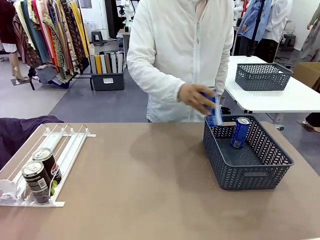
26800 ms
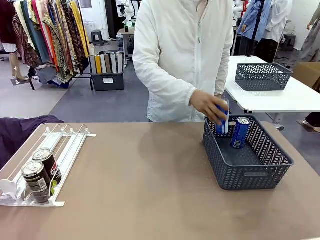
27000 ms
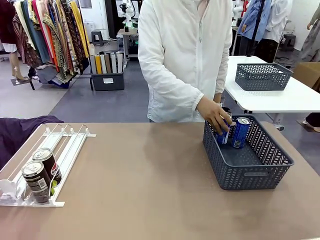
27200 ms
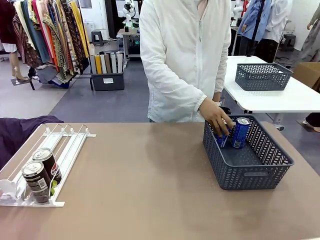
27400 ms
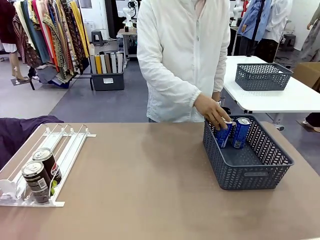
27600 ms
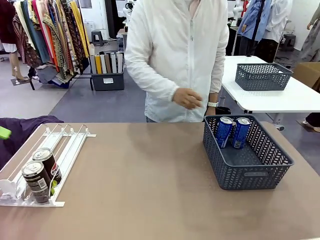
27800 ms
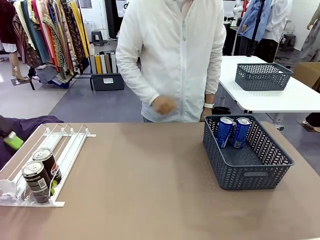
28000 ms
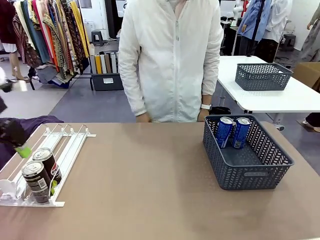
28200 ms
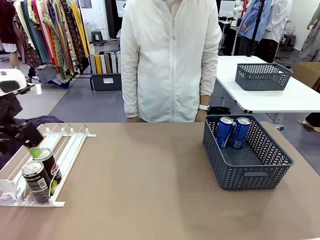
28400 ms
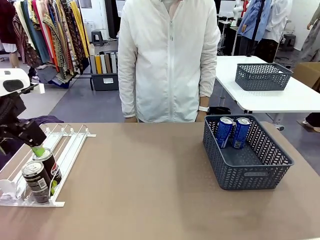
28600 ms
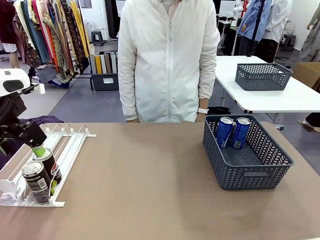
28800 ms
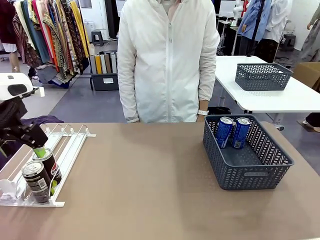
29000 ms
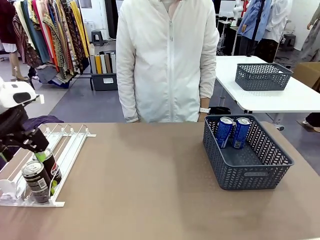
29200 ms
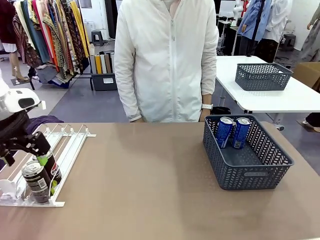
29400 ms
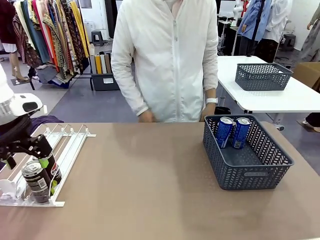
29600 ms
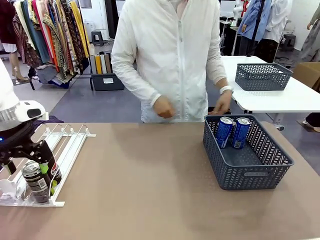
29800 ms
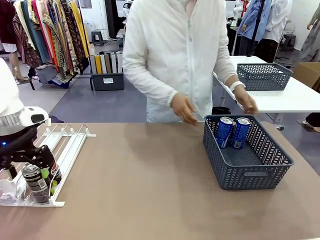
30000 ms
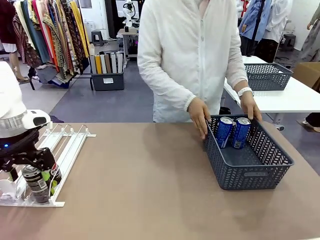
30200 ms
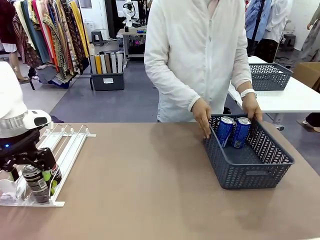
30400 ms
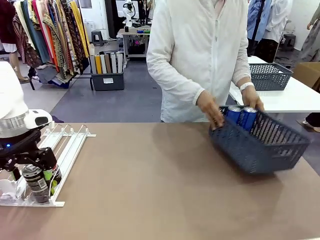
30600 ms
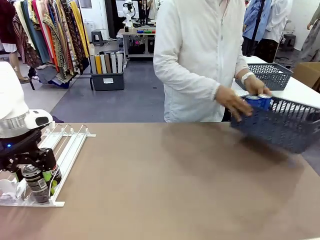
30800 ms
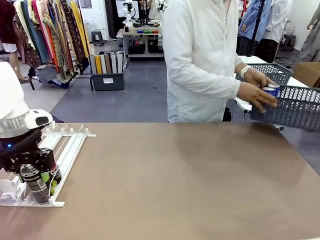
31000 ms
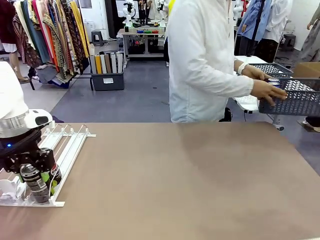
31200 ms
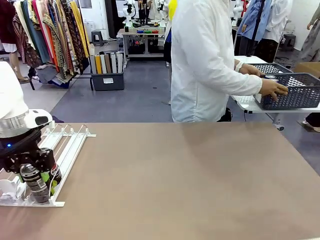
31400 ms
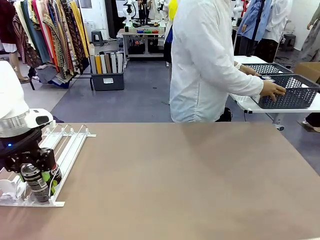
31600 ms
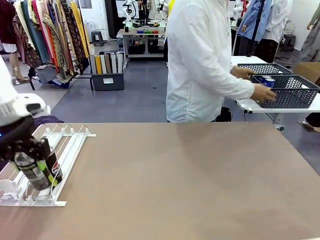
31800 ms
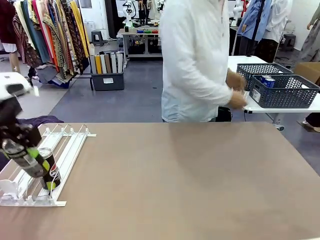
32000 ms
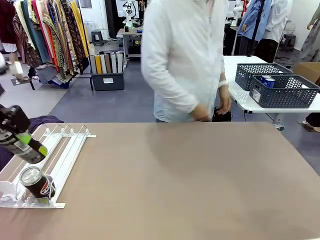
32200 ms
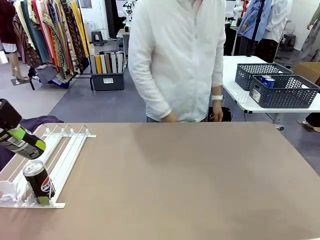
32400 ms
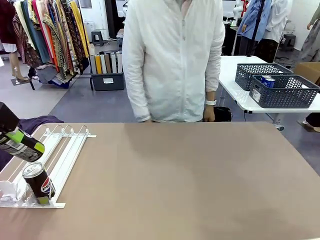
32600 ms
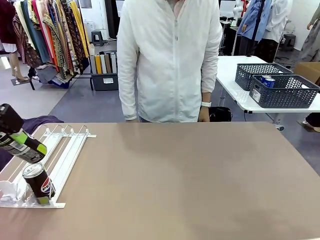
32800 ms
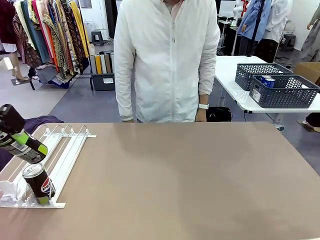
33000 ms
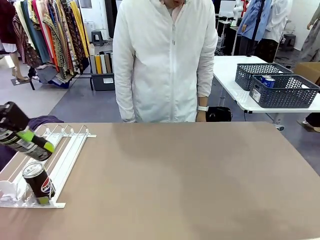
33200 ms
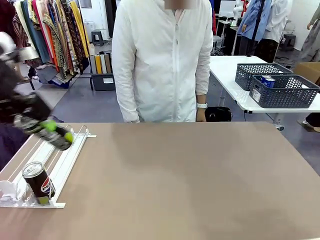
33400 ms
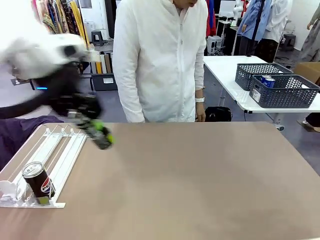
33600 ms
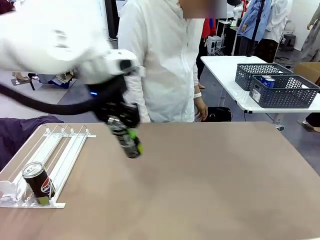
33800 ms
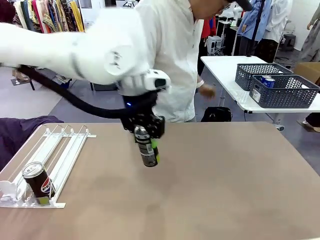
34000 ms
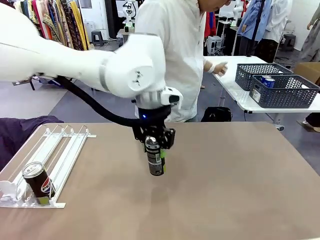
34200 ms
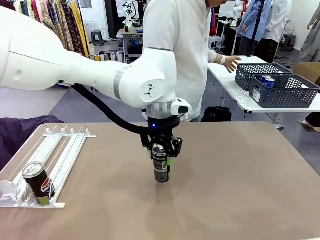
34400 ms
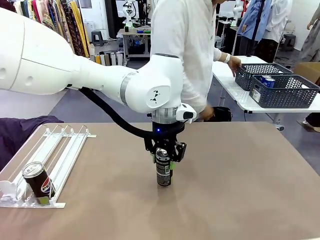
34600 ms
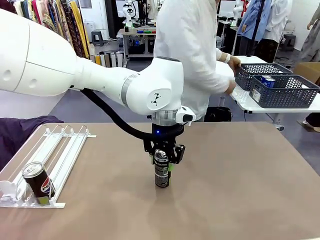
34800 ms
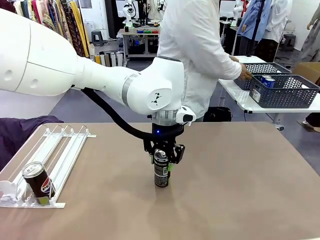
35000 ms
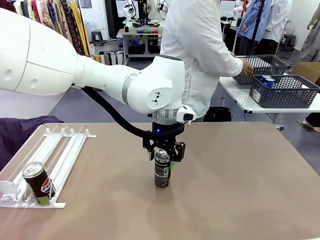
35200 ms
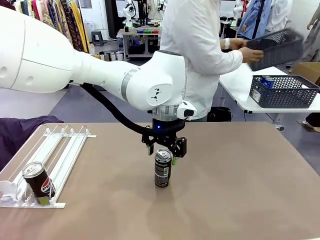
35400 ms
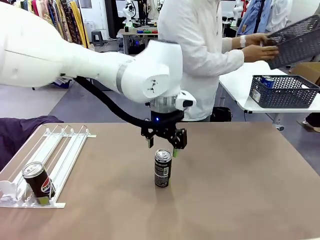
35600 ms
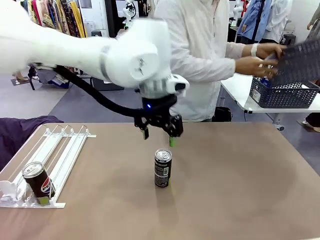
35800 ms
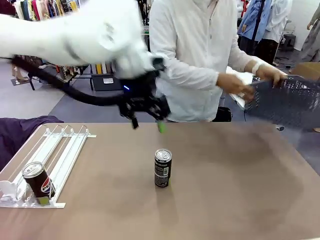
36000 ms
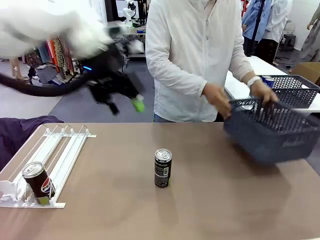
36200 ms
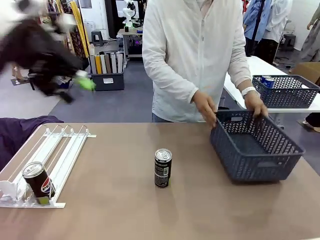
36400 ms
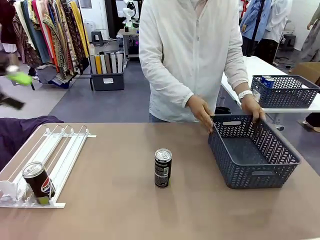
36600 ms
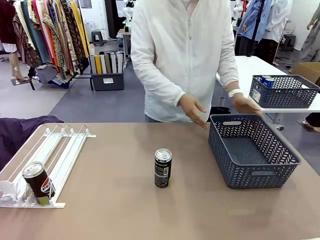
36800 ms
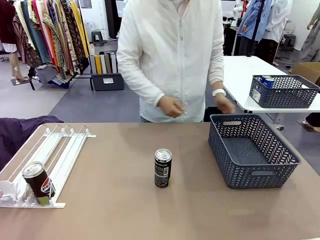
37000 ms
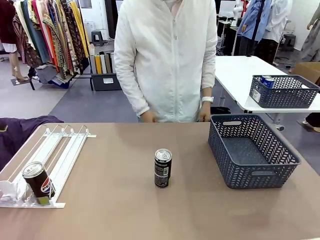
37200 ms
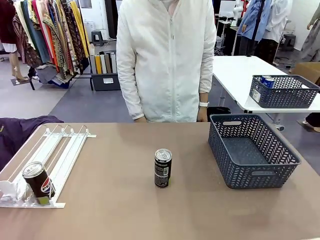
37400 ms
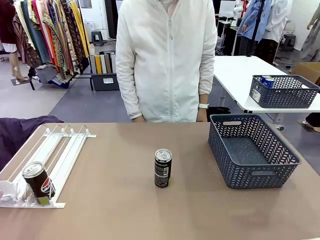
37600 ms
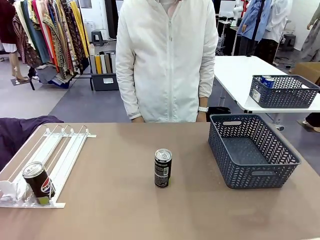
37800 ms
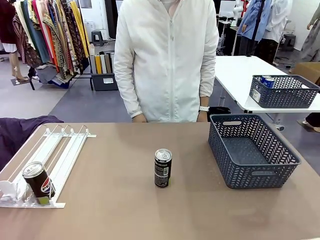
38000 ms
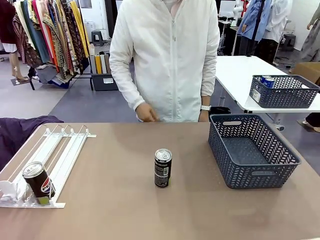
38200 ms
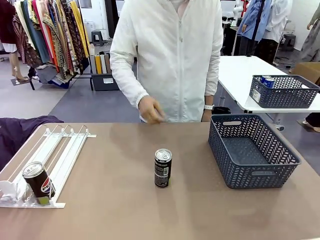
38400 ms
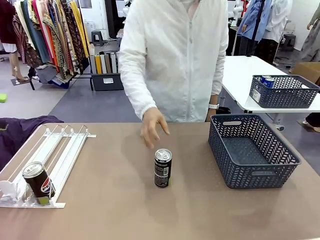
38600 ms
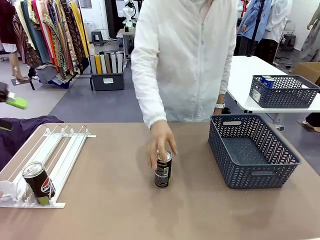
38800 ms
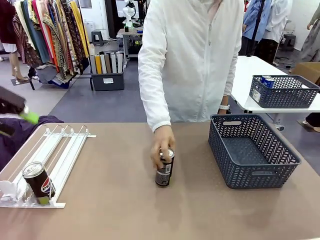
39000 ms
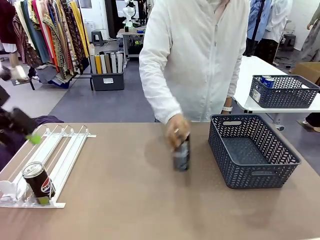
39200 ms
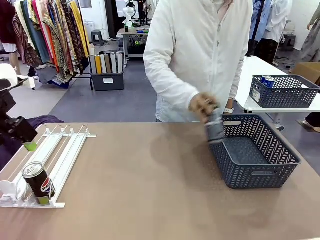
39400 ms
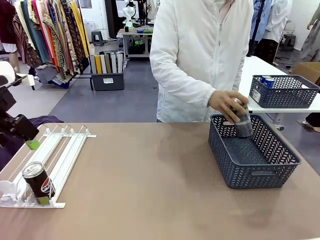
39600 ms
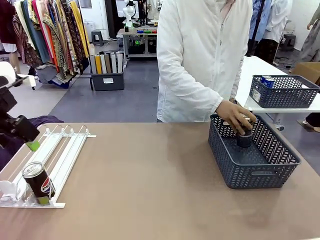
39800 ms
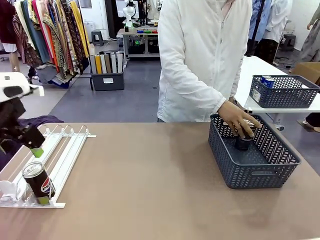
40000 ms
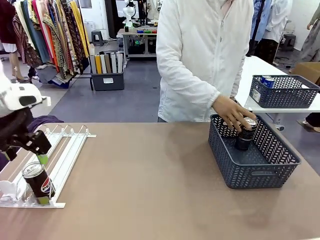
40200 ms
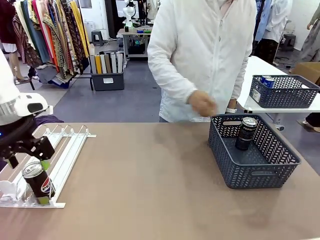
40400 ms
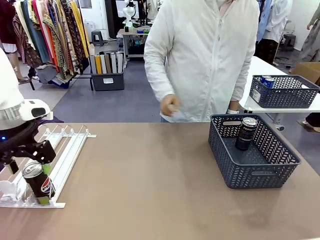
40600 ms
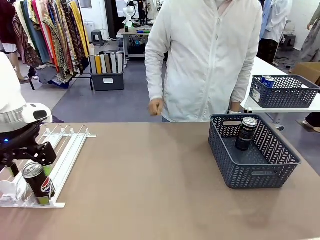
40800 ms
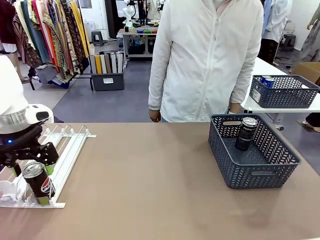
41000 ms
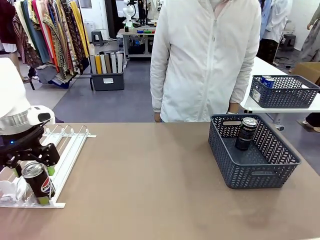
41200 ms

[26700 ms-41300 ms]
Task: Retrieve and store the cans from the dispenser.
Robot: Pick up one can from the Automatic Can Dispenser and place it in the middle of the table.
Person: Pick up the basket and place it in the middle of the human table. Pick up the empty basket and place it on the left side of the robot table.
